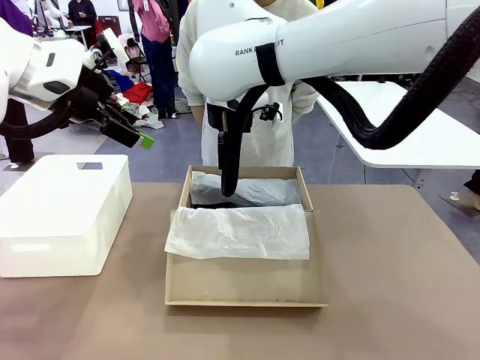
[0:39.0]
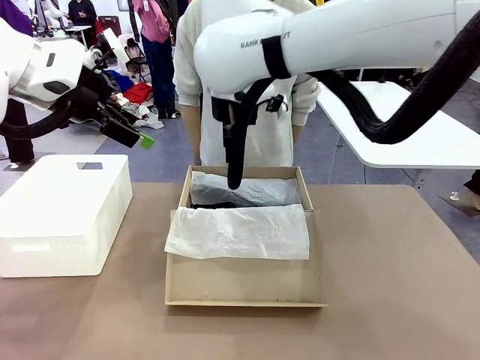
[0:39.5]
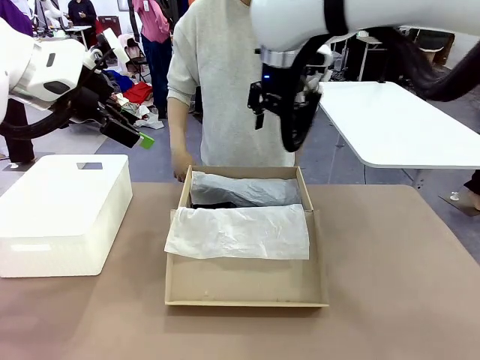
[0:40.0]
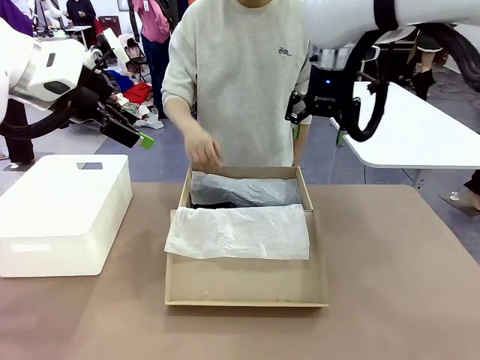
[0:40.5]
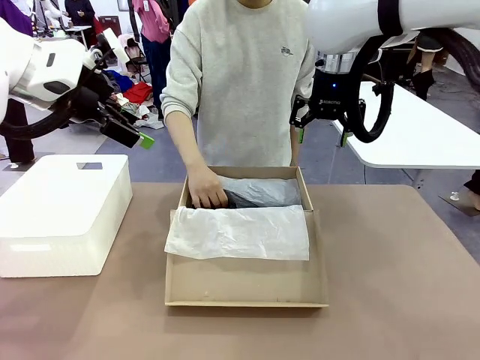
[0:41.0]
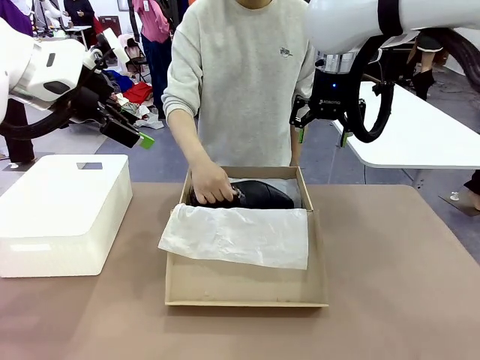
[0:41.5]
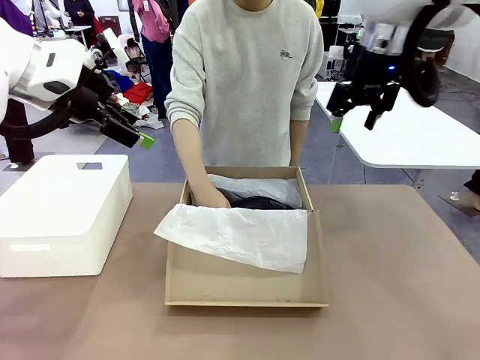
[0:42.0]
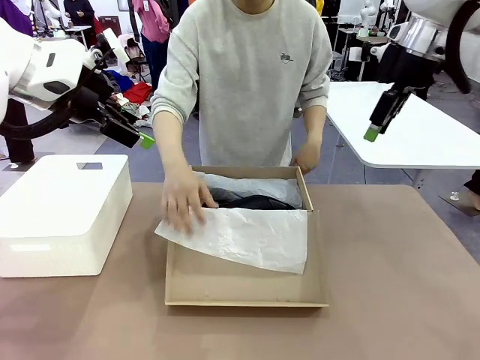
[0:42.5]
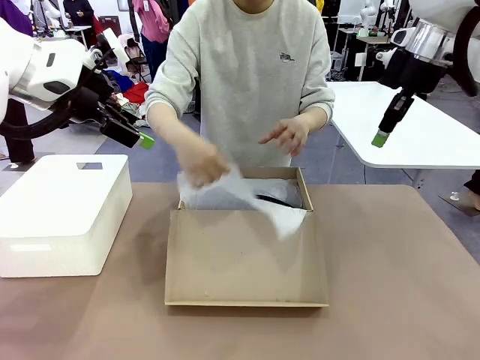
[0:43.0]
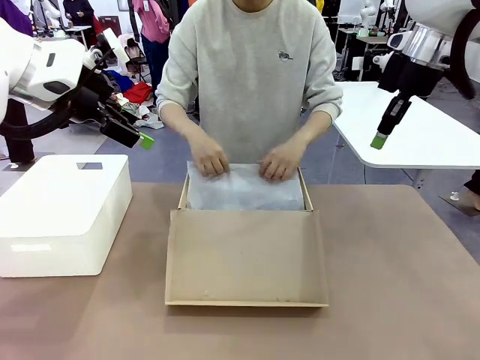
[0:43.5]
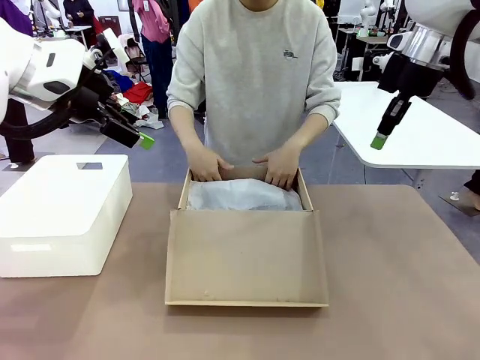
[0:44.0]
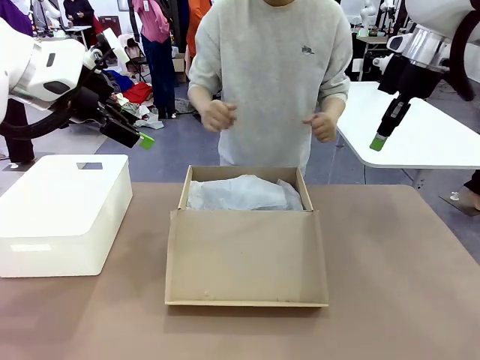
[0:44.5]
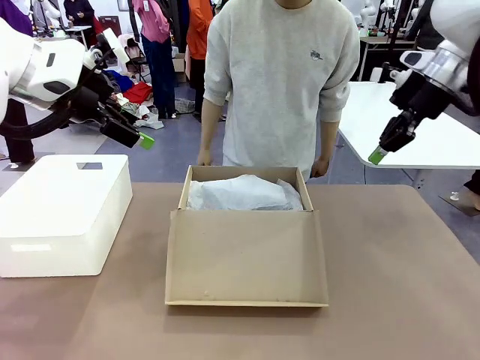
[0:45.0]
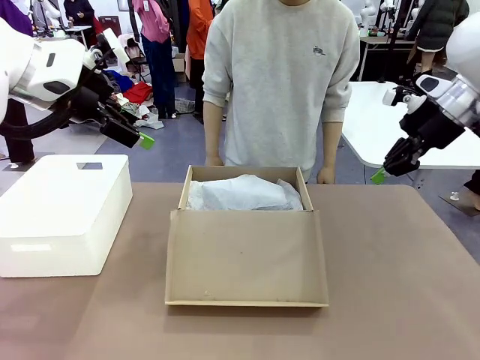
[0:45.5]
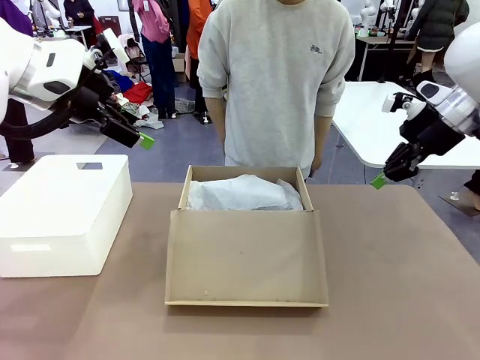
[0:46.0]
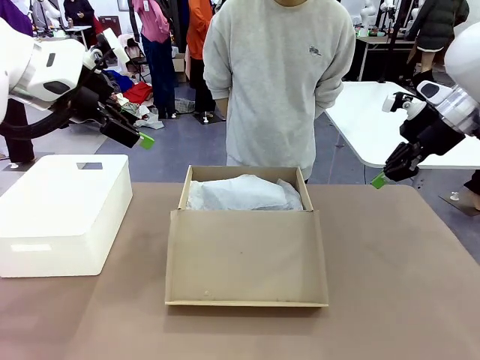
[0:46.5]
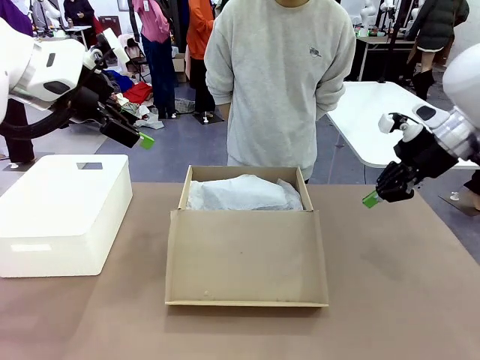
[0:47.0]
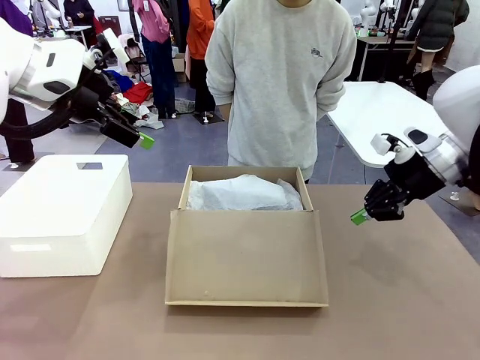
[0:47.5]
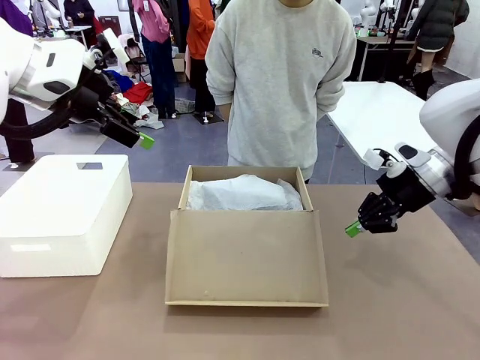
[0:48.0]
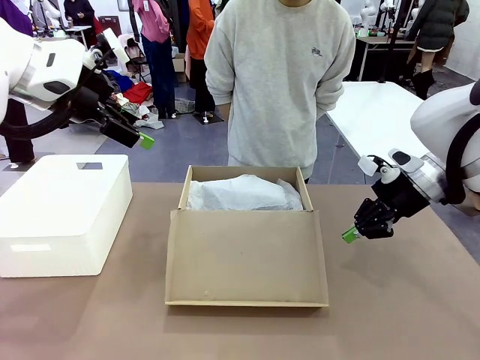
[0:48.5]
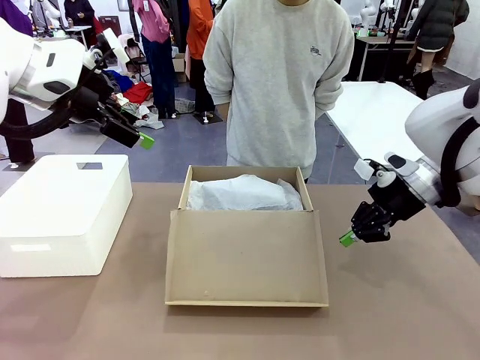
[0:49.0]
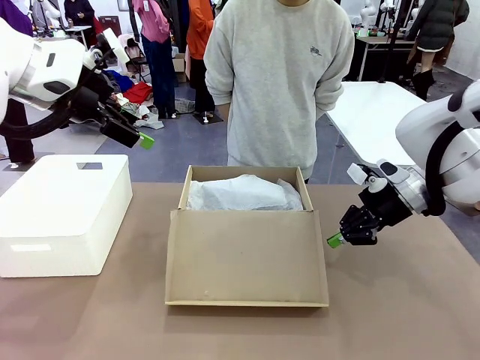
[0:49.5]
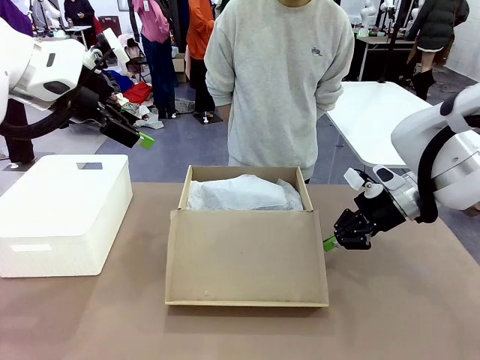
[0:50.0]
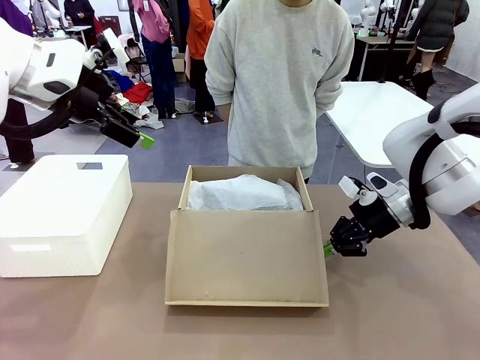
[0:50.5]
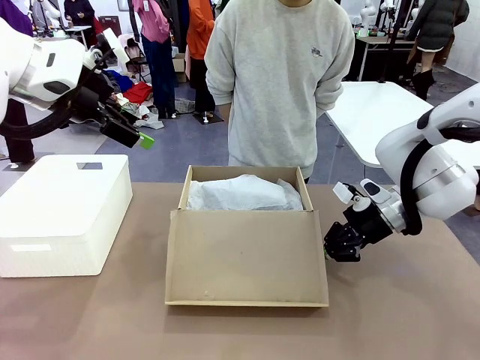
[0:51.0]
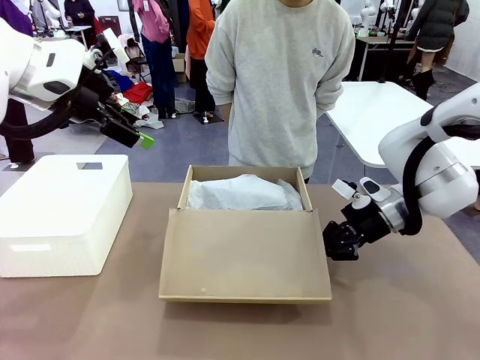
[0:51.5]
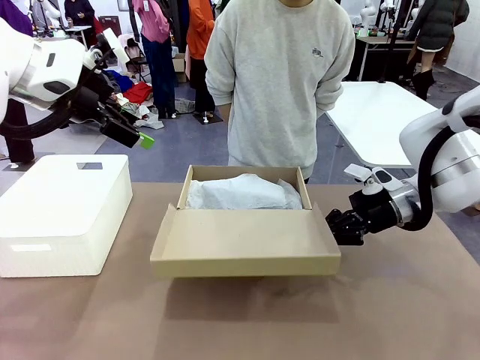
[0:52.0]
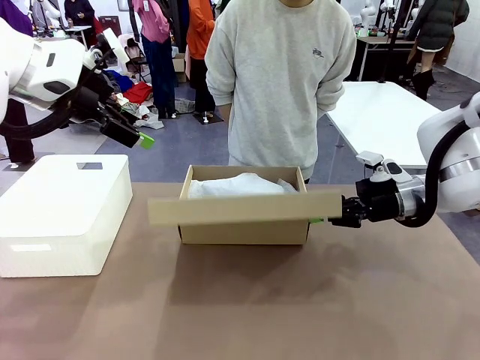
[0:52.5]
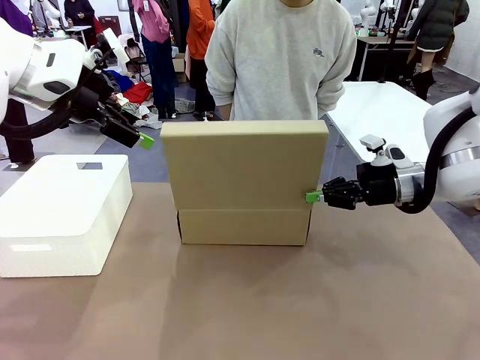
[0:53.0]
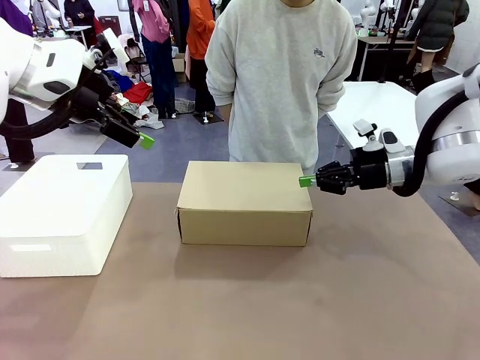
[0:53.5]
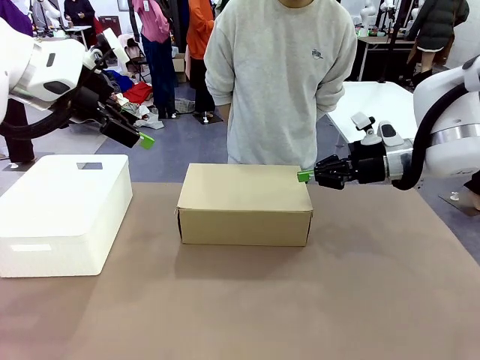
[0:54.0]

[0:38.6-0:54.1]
Task: Pack the shoes into the box.
Robot: Close the Shoes Box.

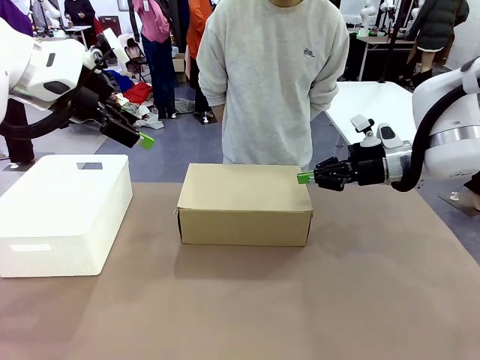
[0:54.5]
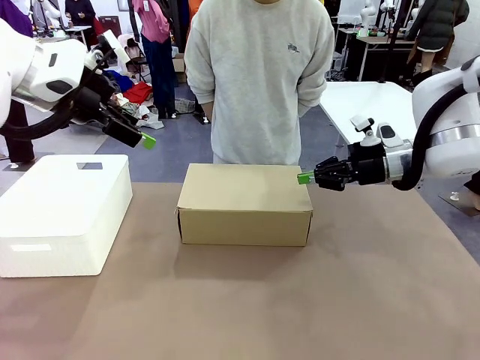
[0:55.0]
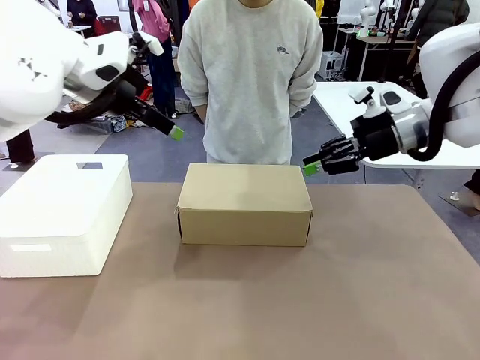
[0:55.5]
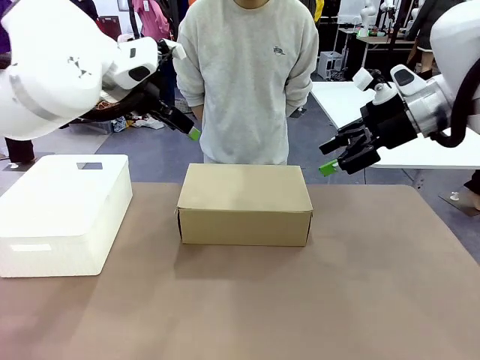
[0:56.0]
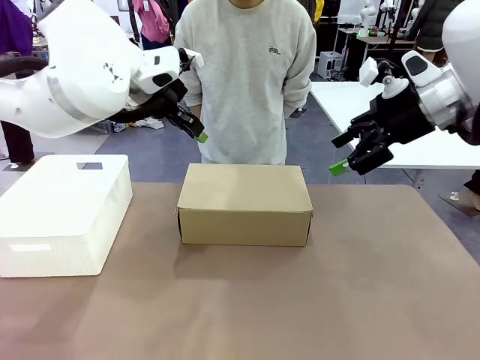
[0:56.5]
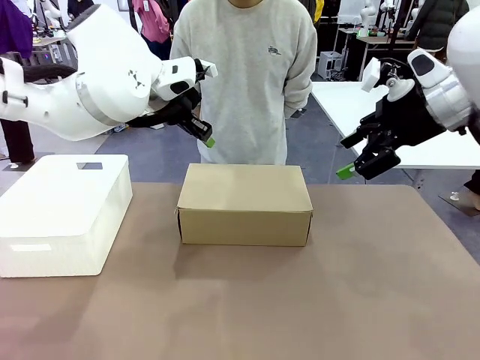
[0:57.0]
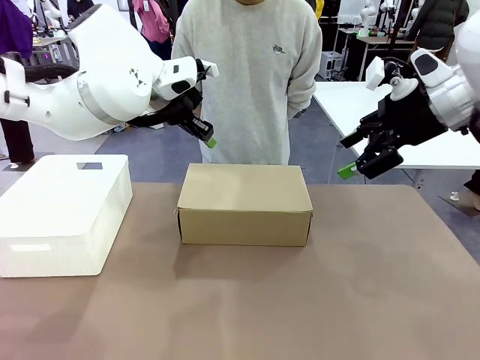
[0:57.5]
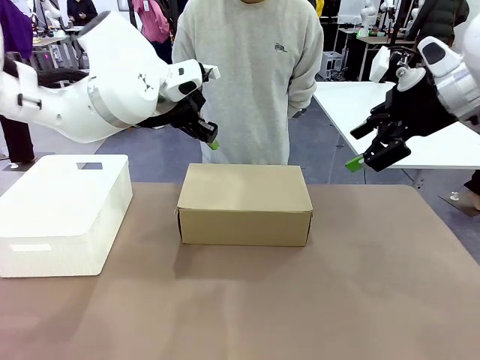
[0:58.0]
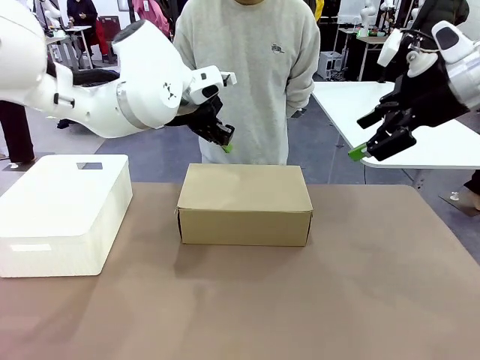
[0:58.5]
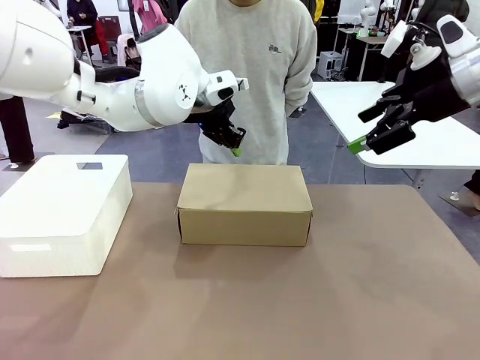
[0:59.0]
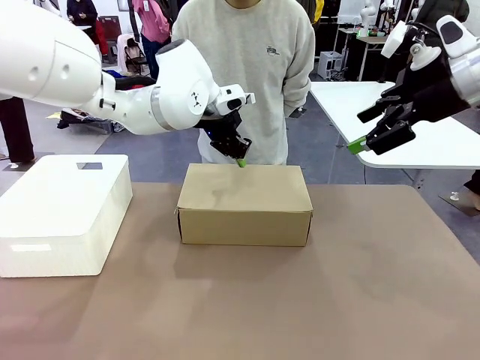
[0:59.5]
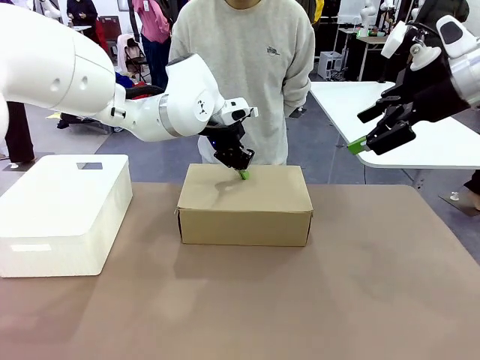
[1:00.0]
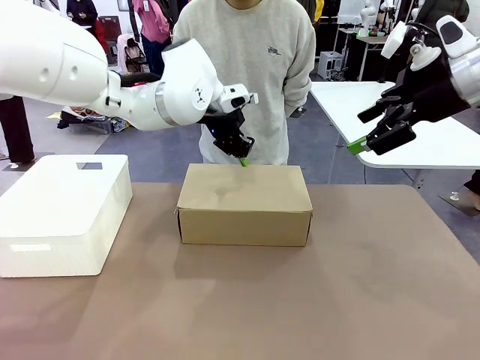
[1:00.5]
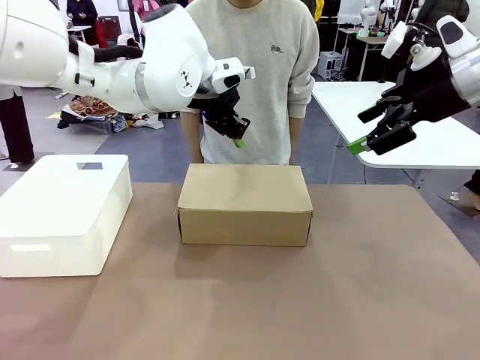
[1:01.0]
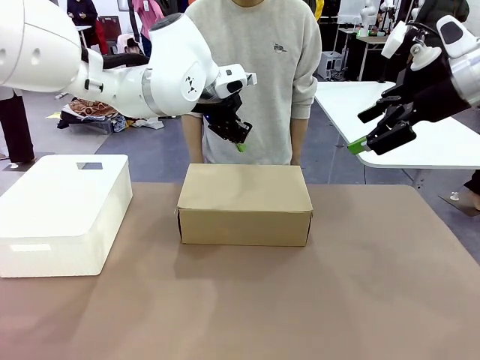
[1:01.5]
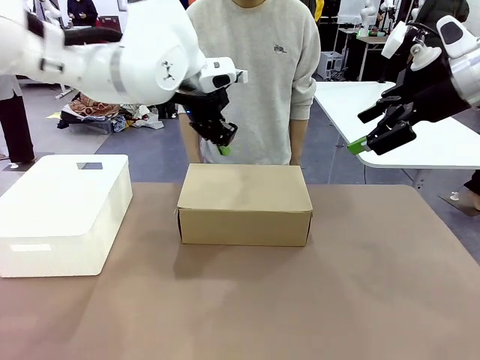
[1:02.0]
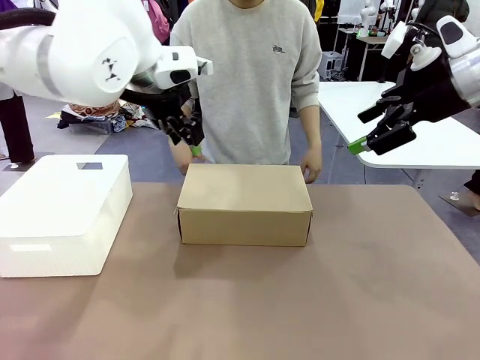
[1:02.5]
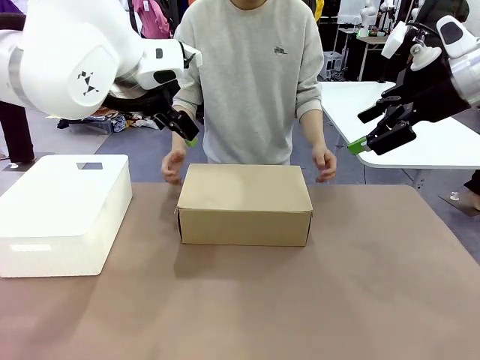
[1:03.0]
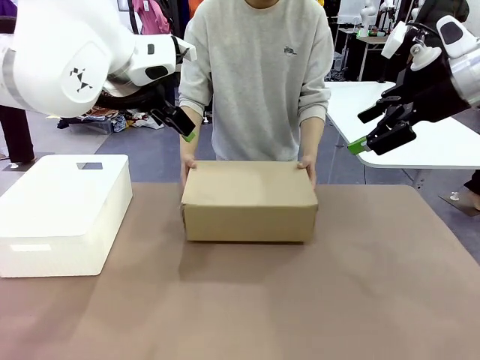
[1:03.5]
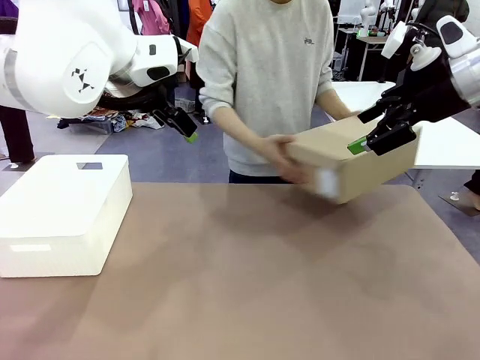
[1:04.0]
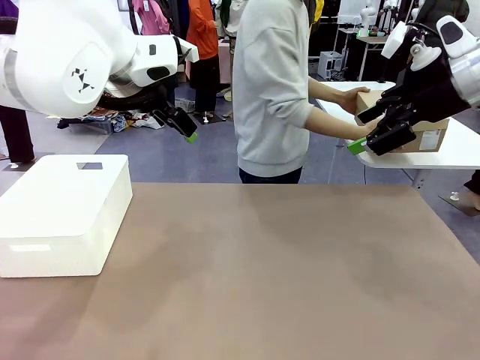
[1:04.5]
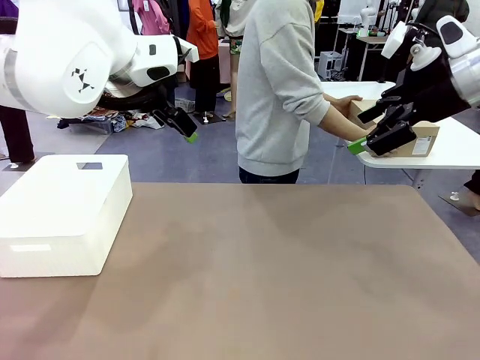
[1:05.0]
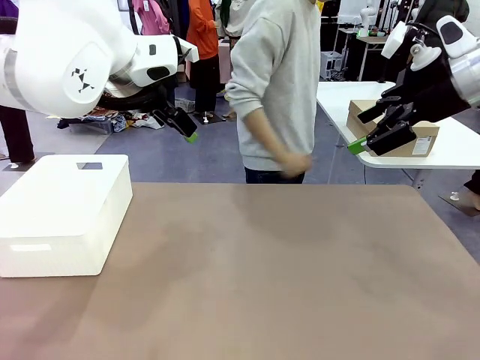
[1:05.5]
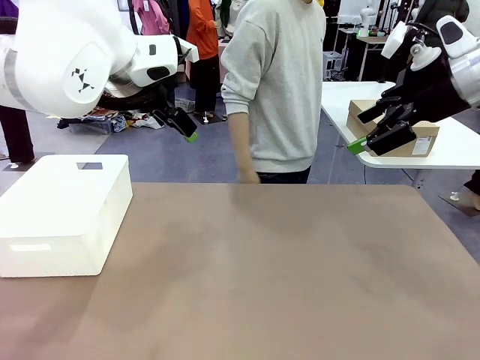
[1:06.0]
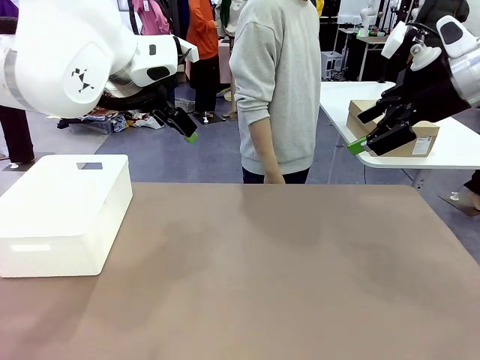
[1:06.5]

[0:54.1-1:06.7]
Robot: Press down on the lid of the Shoes Box.
Person: Place the closed Shoes Box to the right side of the human table.
